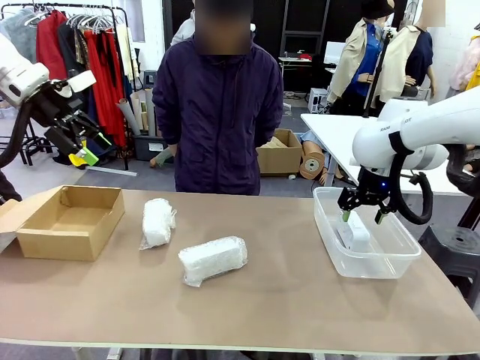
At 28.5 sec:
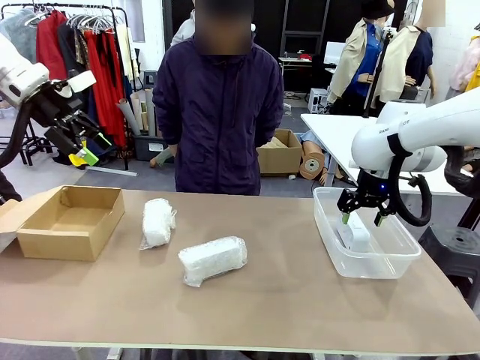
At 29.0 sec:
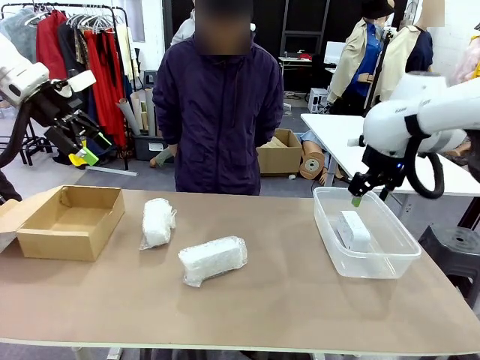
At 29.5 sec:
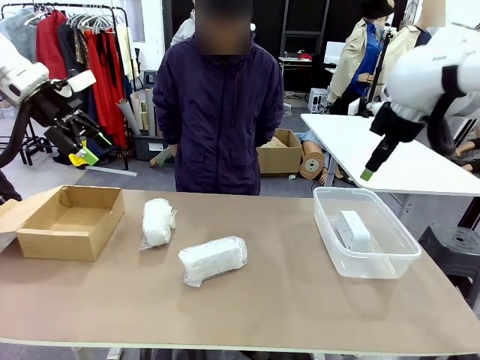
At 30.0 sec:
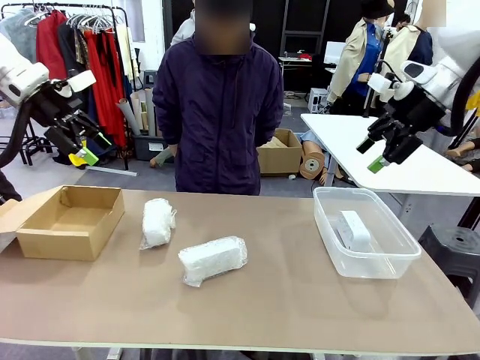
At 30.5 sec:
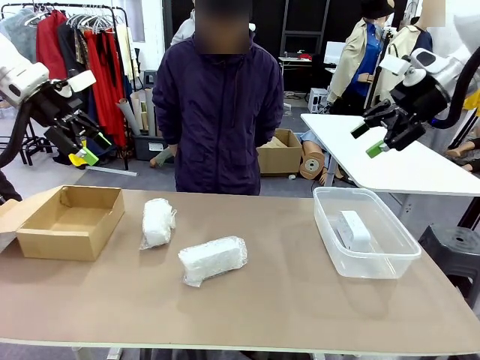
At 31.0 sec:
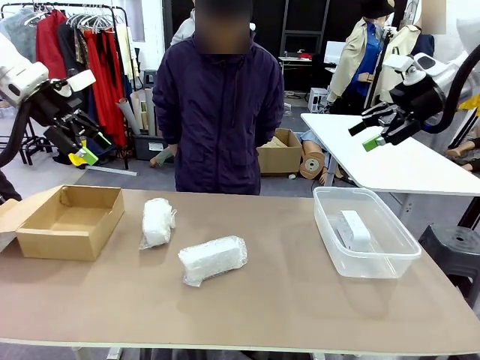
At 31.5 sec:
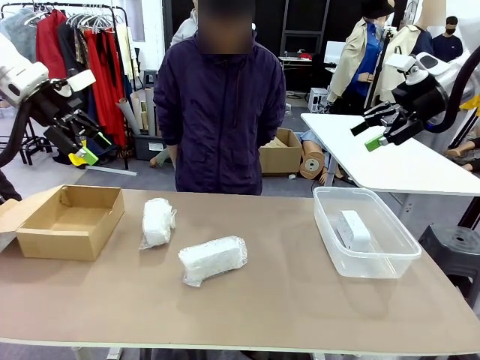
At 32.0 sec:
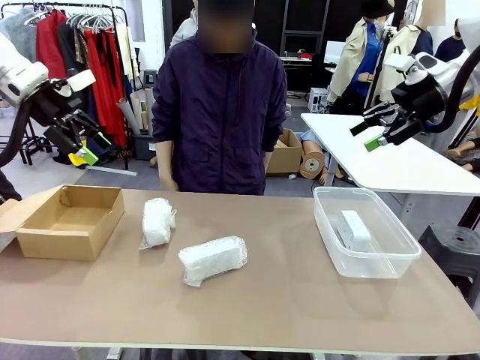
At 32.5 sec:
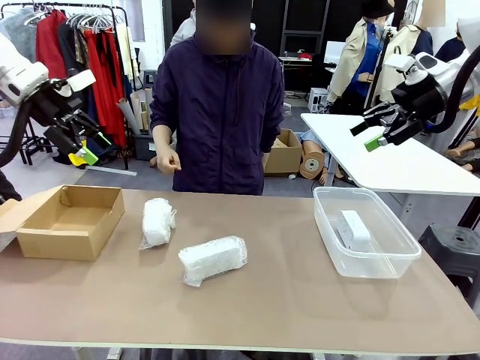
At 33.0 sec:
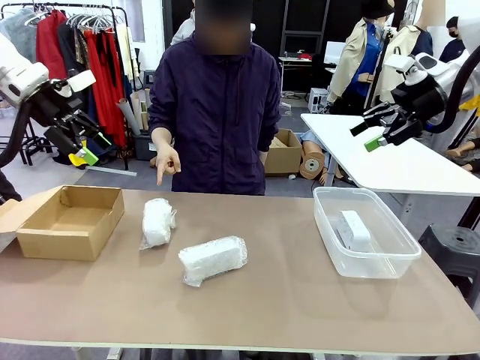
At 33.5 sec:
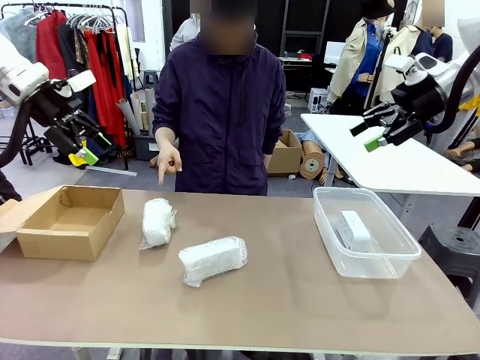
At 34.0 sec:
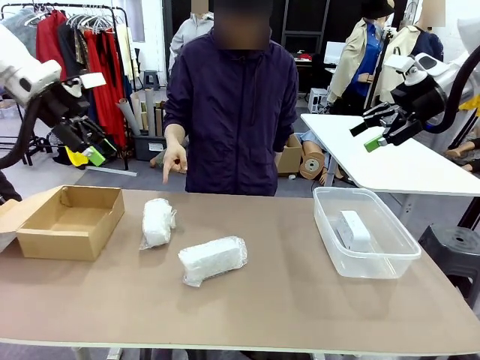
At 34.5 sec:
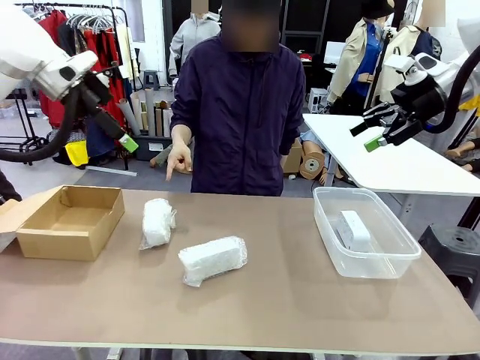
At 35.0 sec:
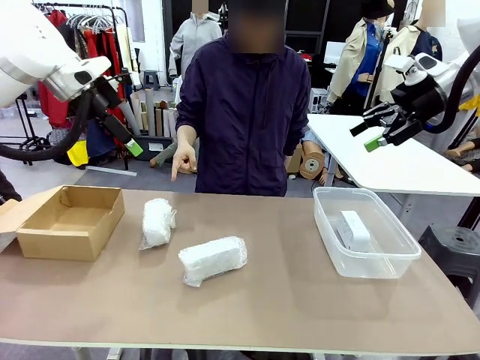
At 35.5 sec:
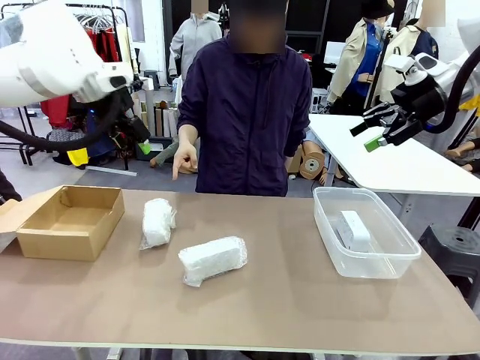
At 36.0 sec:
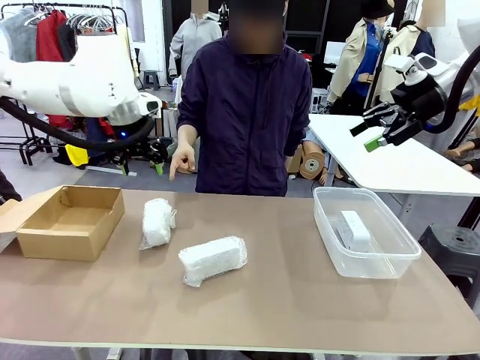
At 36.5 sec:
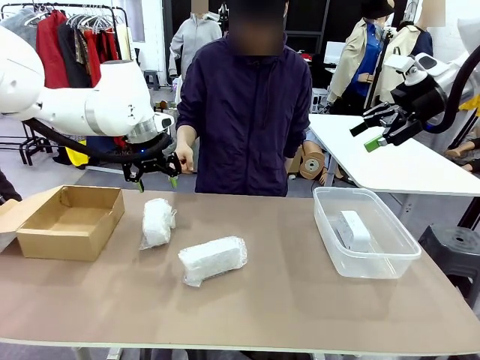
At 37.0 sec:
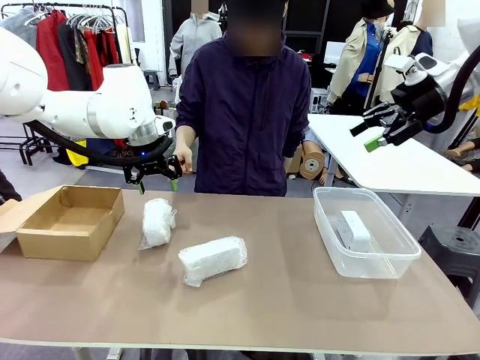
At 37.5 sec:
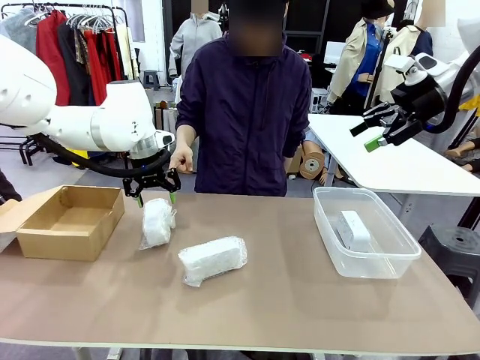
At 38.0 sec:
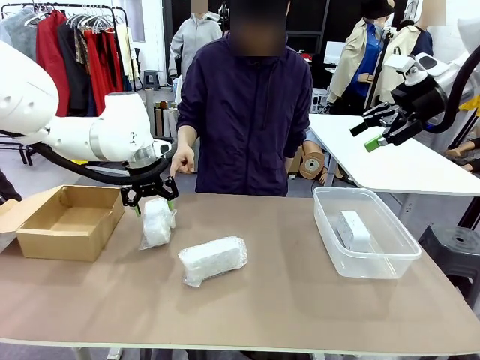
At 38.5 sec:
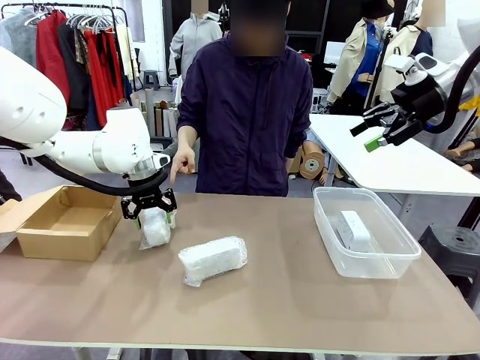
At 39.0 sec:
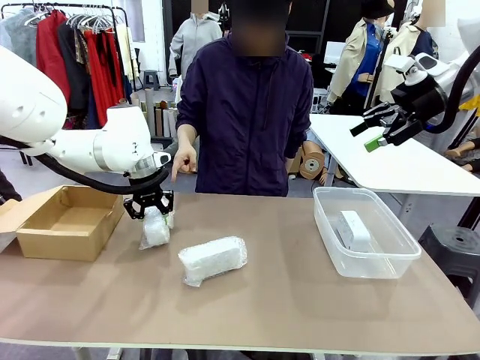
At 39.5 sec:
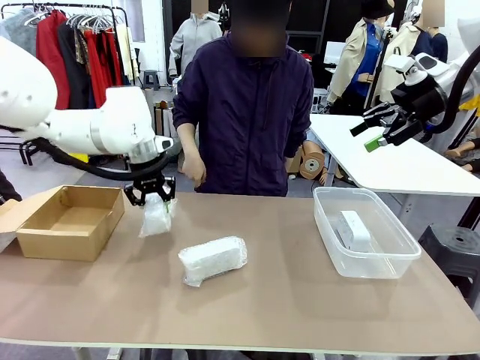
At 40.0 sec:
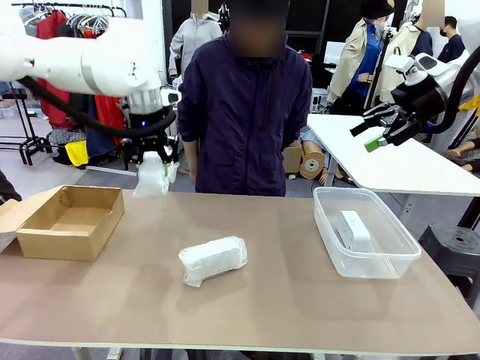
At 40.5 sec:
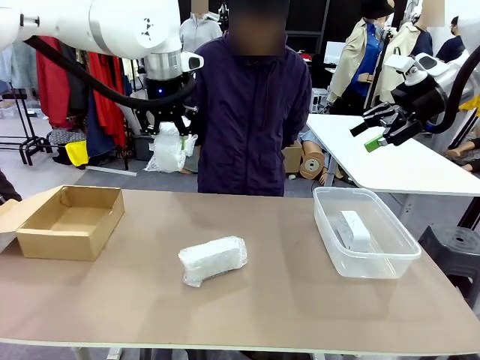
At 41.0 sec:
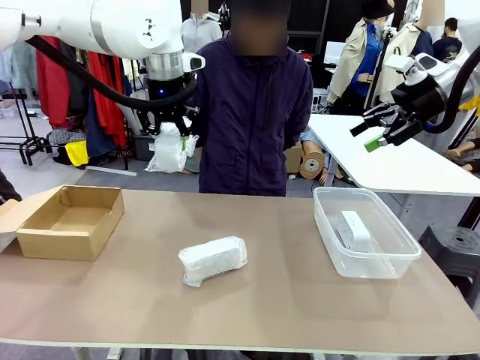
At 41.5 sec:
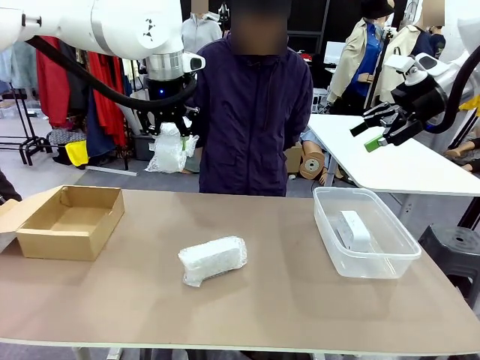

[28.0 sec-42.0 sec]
Task: Separate and place wrapped and unwrapped clocks.
Robot: Pick up the Digital clock indicated by the person.

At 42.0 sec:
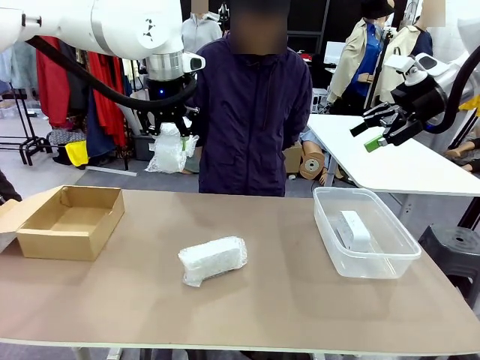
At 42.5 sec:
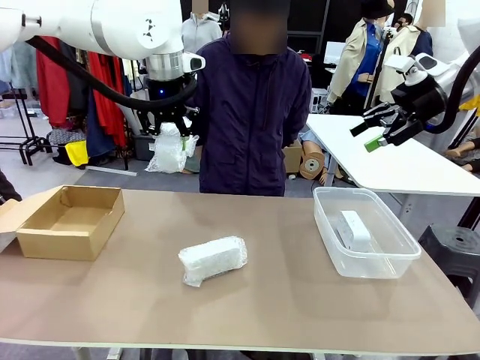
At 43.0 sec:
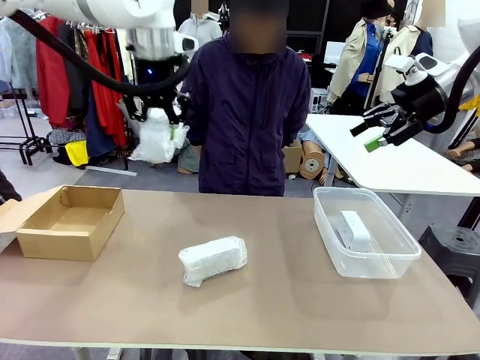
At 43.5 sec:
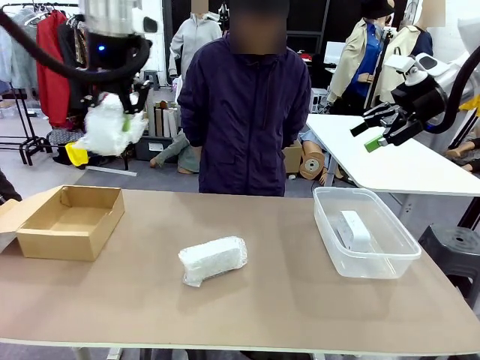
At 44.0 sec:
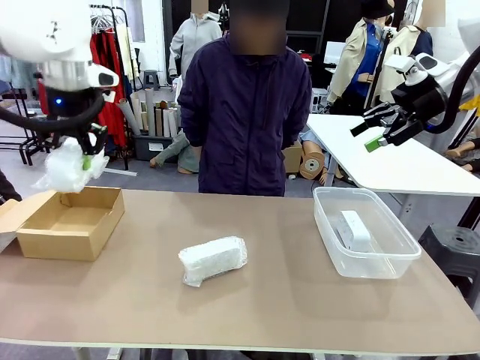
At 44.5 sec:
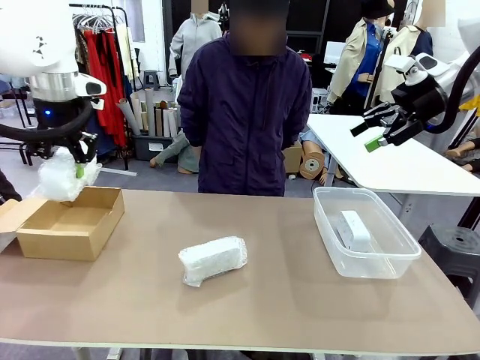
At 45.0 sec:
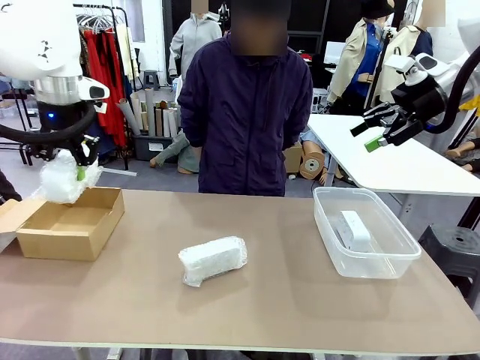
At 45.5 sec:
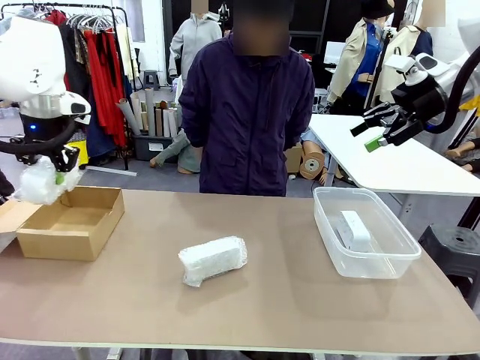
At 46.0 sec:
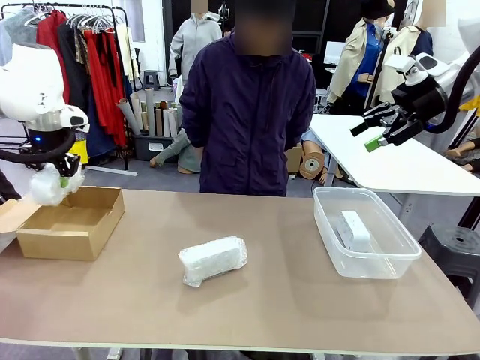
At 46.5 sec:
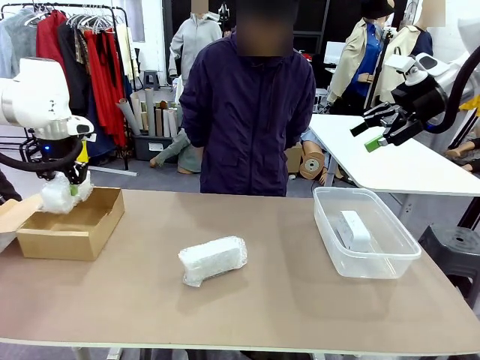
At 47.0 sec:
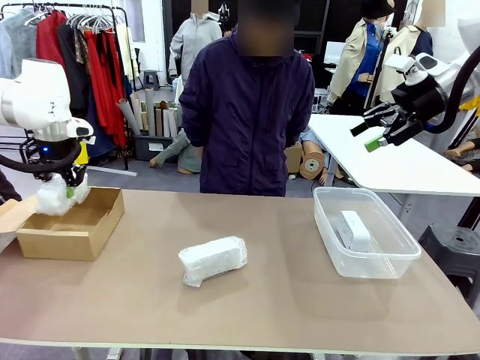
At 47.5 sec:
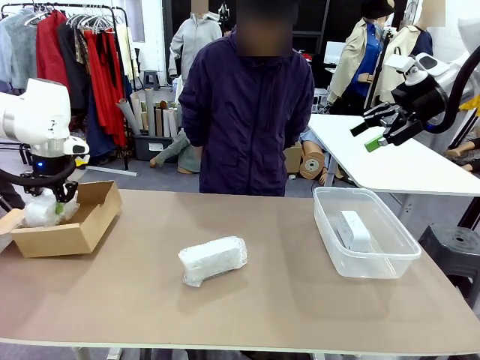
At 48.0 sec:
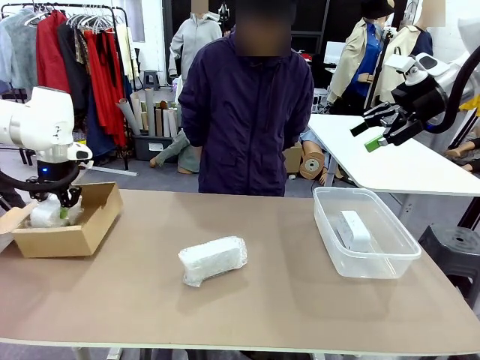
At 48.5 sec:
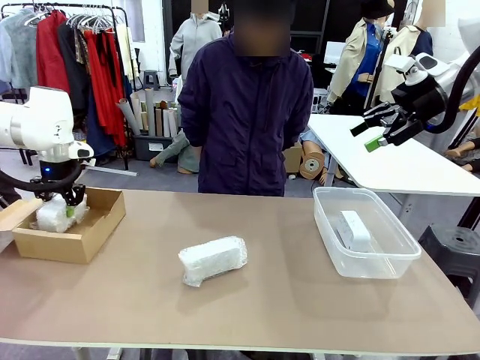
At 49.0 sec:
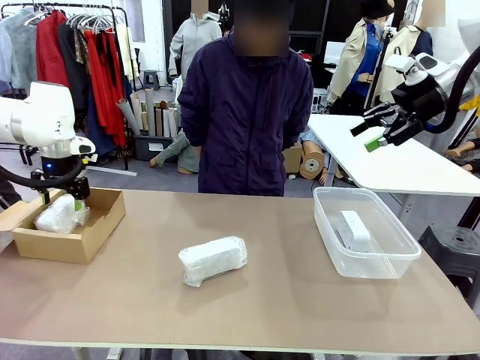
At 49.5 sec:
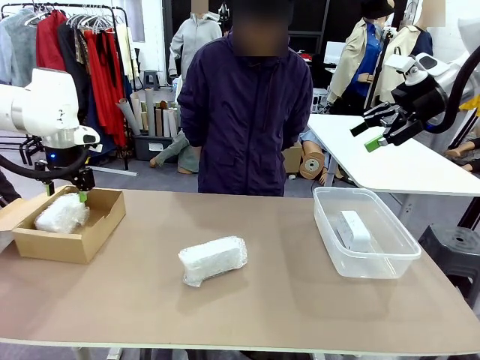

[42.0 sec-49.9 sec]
Robot: If the picked Digital clock is wrapped, place it in the Package Box ; if not, place it in the Organizing box.

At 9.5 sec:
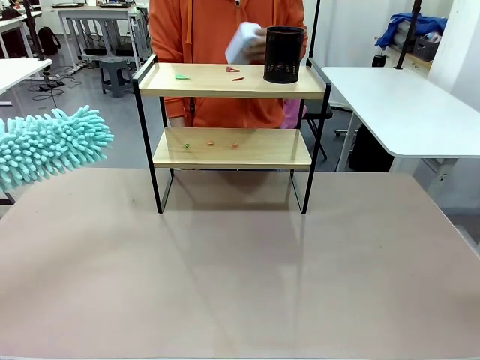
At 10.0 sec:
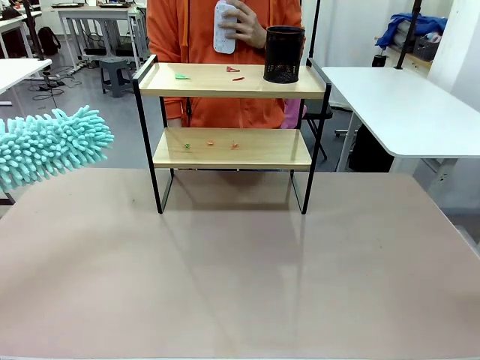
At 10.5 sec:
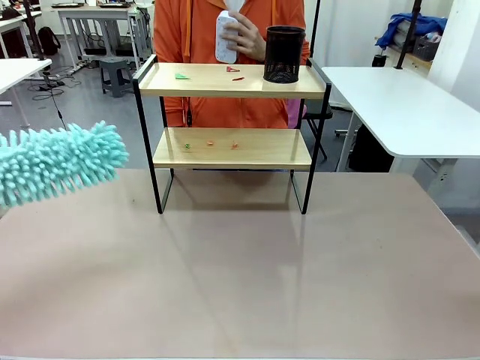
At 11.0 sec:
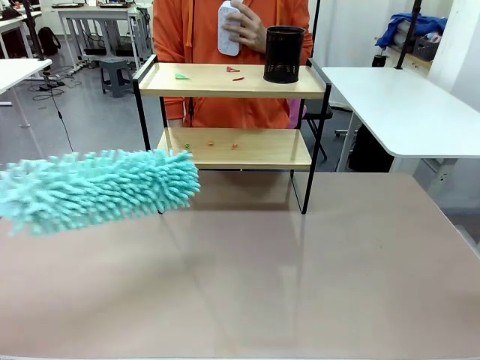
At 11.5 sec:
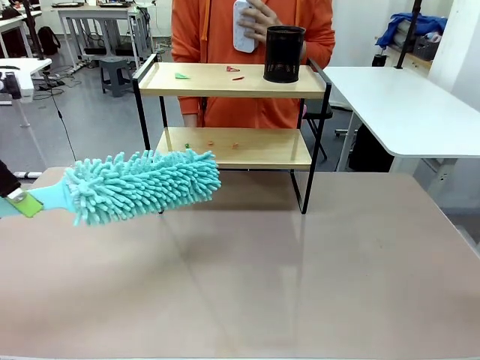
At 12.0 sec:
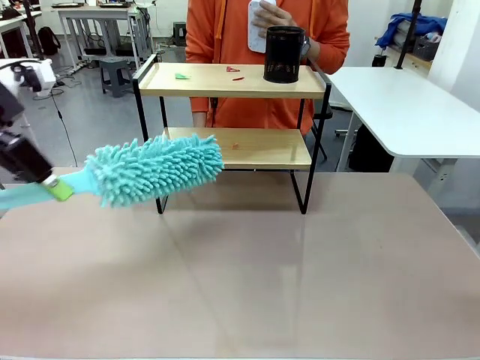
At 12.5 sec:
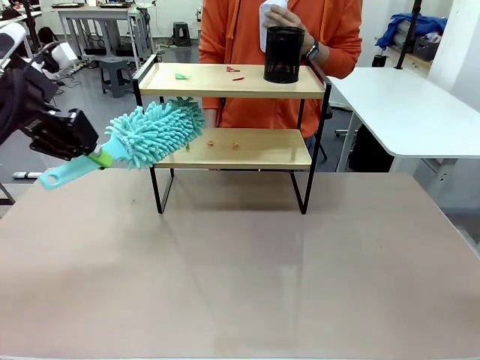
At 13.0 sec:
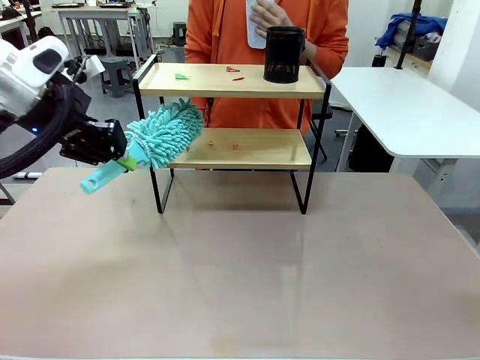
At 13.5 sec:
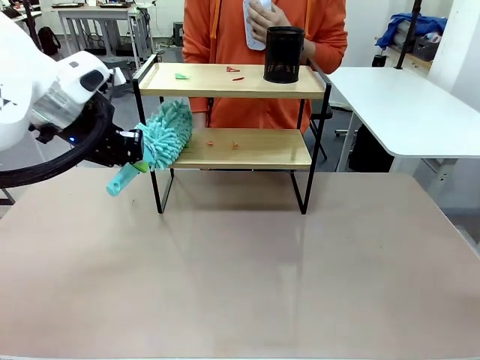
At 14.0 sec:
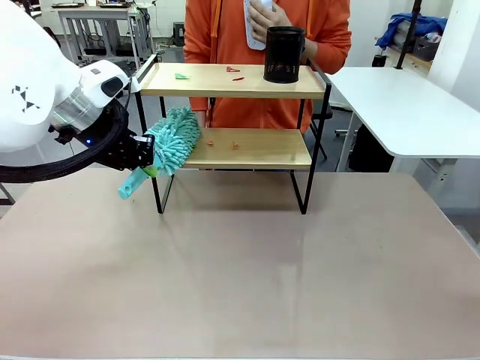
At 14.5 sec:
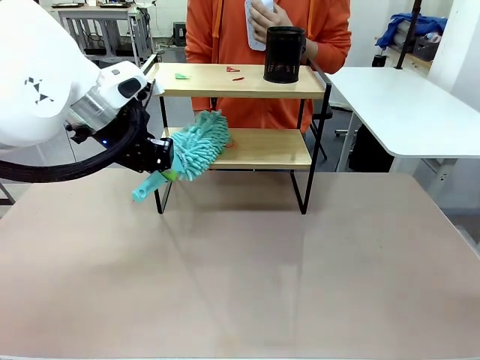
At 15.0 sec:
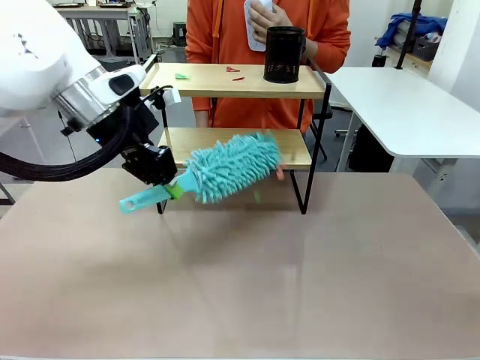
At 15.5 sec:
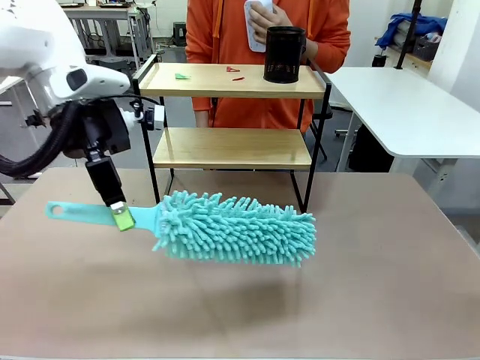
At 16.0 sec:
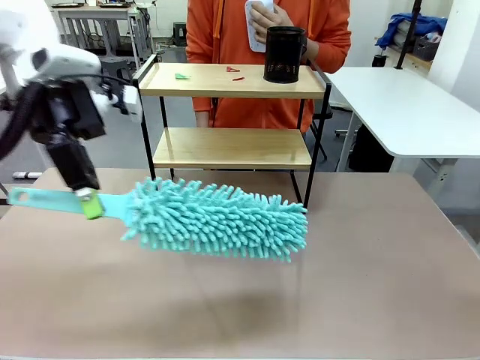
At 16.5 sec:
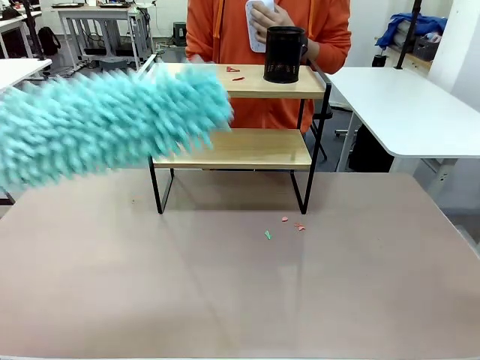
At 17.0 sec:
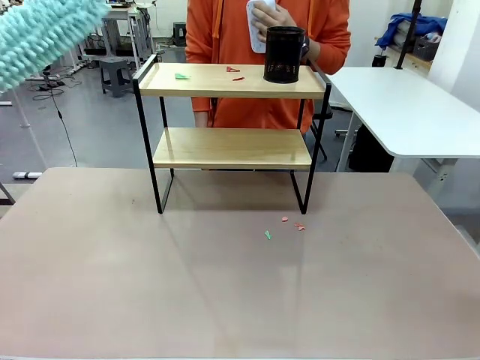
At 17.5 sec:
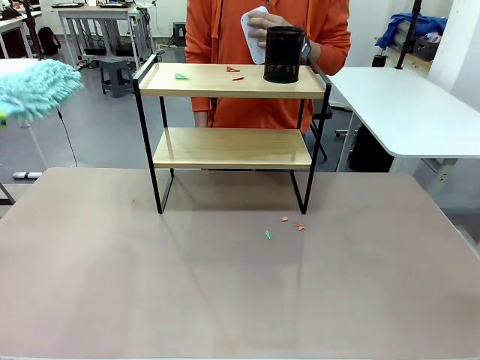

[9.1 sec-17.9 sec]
Task: Clean the shelf.
Robot: Clean the specific tier of the Shelf with the Duster once objects are removed.
Person: Once the robot finishes cleaning, lift the objects on the remaining tiers of the Shelf.
